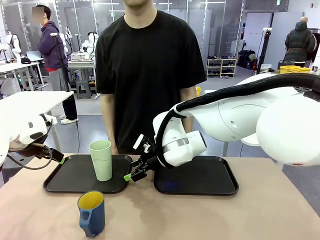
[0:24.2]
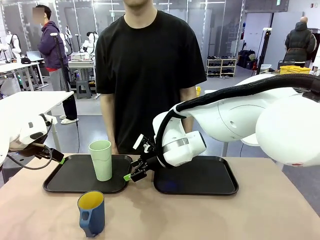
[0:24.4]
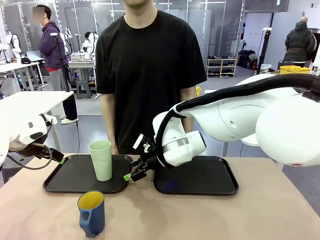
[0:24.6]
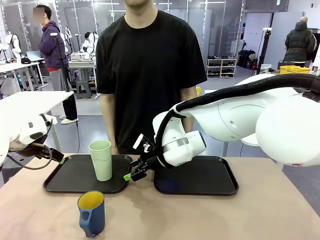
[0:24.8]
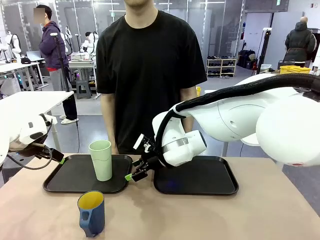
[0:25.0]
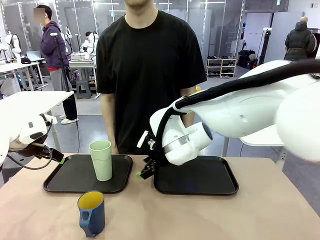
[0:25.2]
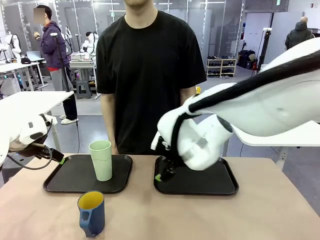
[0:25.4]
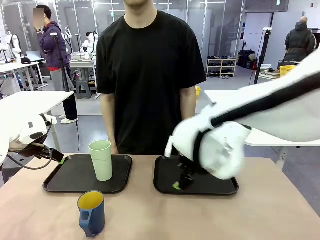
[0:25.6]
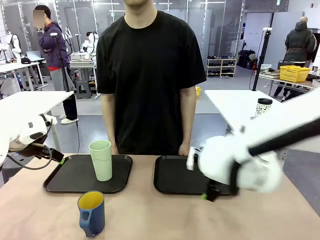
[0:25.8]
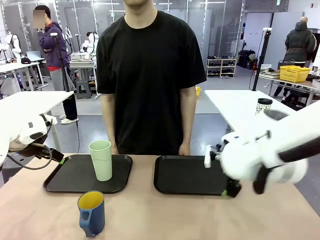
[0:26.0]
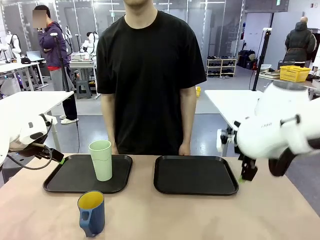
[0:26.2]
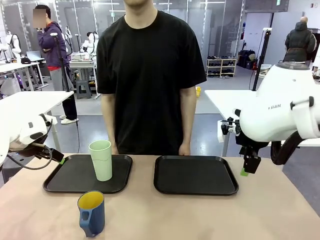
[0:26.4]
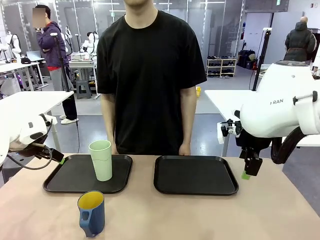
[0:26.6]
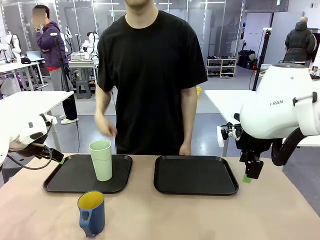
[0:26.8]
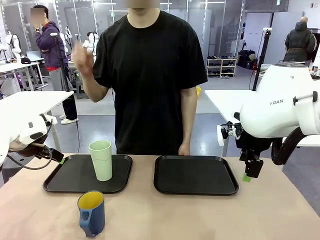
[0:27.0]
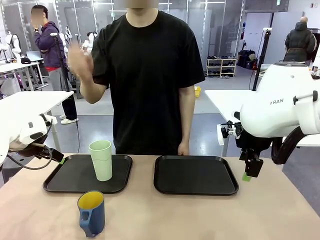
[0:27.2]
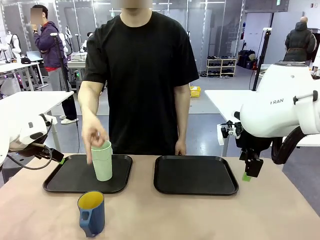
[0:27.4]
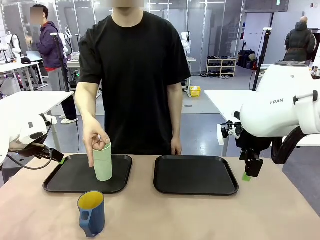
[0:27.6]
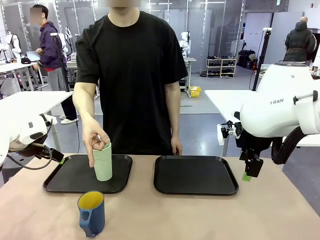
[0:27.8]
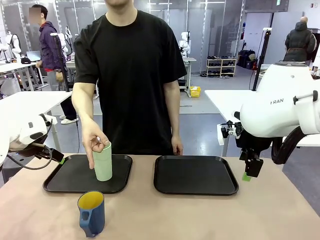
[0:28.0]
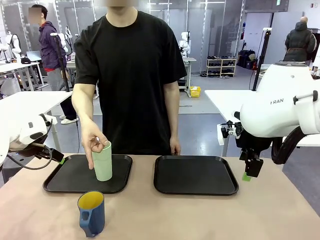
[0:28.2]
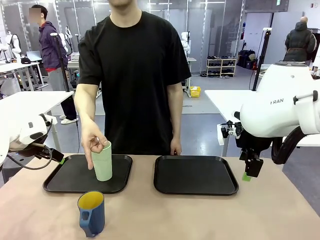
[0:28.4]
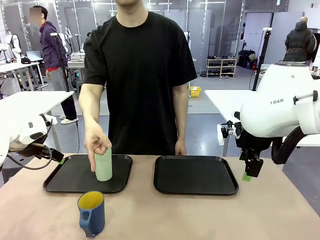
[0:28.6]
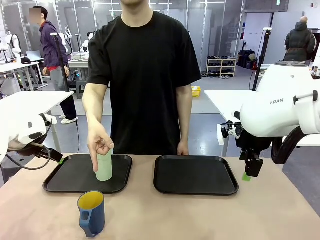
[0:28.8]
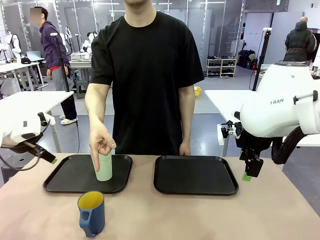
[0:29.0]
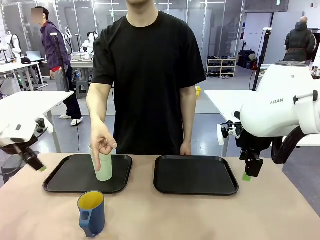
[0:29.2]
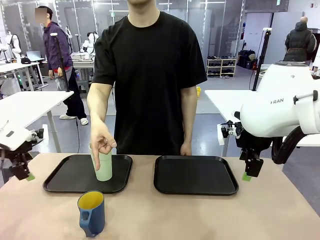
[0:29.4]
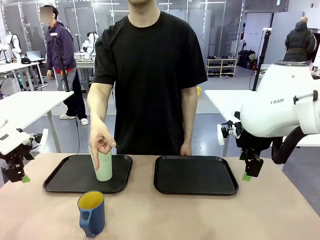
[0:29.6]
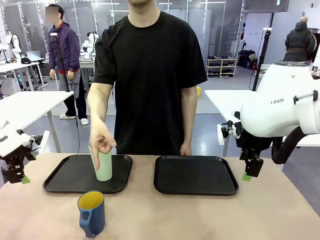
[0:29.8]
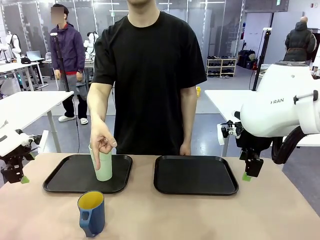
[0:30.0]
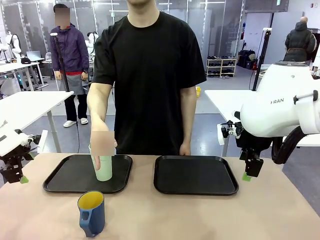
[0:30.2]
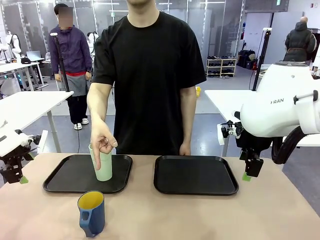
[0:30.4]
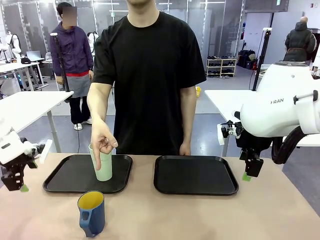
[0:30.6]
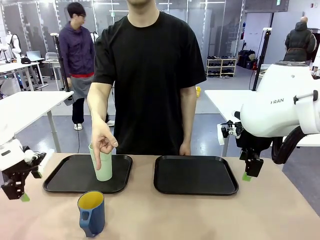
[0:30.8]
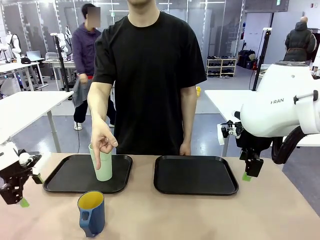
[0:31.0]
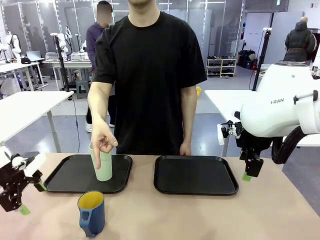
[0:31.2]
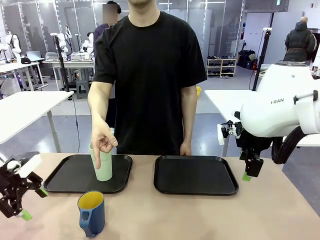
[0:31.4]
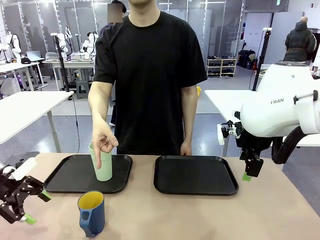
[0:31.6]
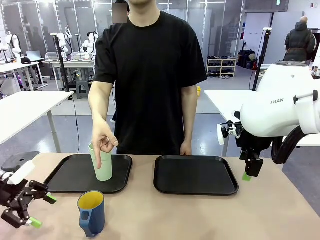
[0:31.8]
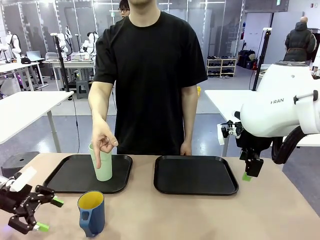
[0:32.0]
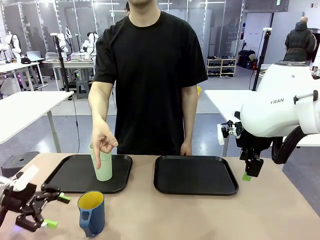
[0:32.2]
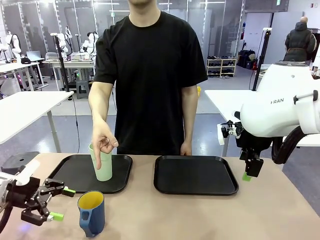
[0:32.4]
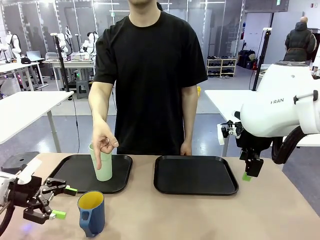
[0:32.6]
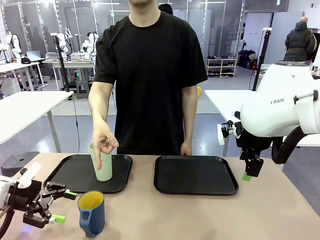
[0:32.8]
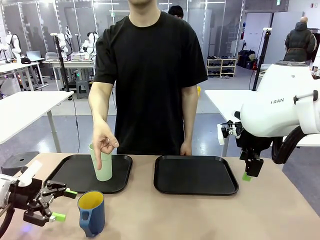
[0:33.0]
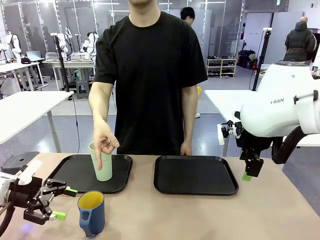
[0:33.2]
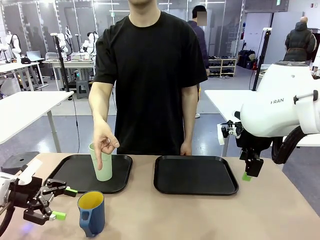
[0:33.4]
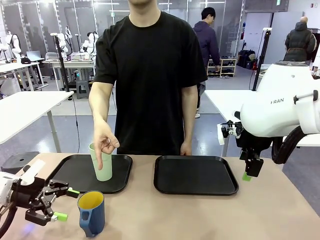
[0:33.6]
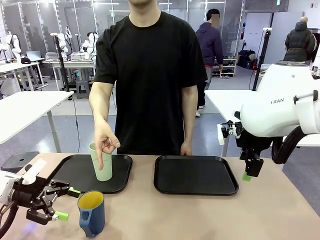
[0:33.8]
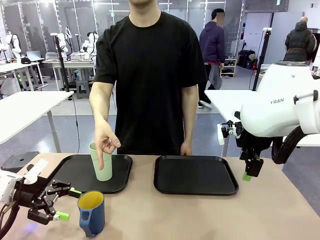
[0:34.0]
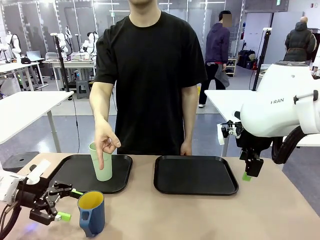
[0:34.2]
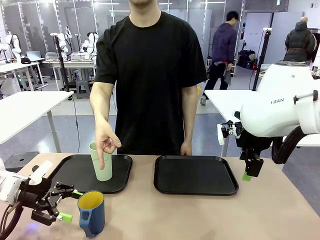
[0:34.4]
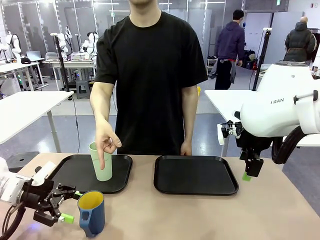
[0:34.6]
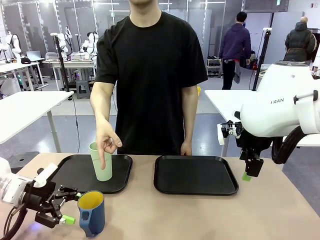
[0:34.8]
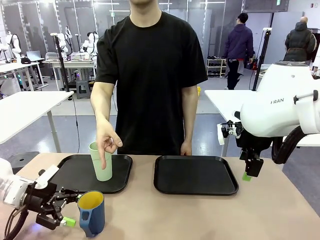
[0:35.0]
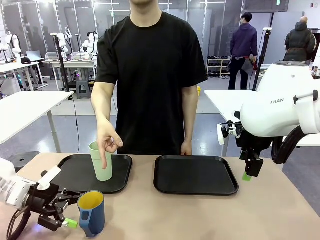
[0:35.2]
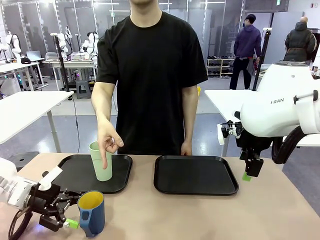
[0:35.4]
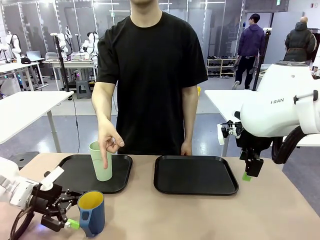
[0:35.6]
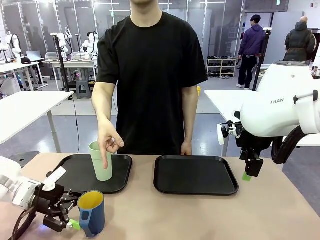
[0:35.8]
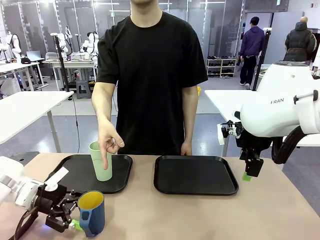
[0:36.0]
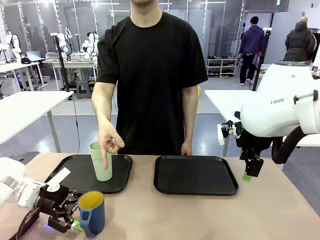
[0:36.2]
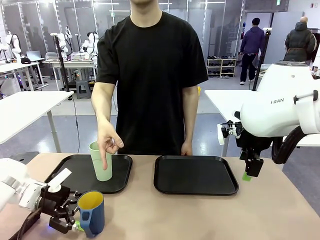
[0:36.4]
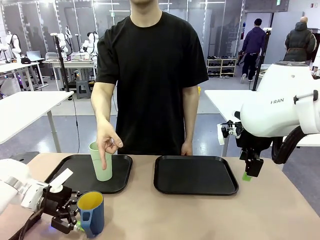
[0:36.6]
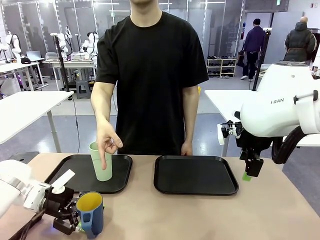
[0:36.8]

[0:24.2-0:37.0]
Task: Sort and store the cups by type.
Robot: Pick up the Handle plastic cup and place it into the empty Flat Tray.

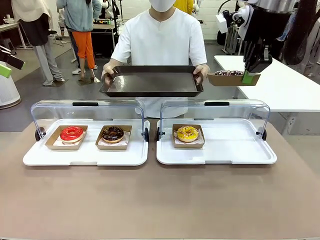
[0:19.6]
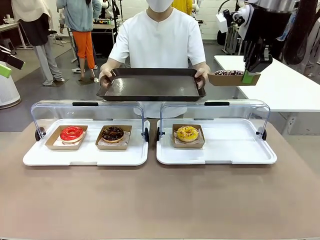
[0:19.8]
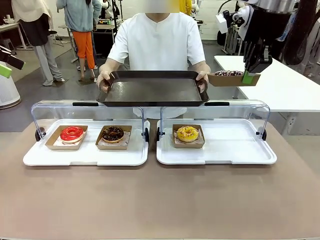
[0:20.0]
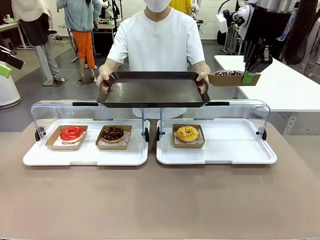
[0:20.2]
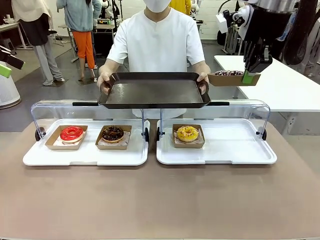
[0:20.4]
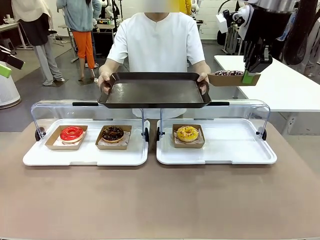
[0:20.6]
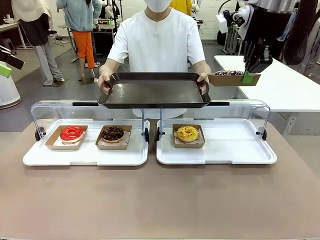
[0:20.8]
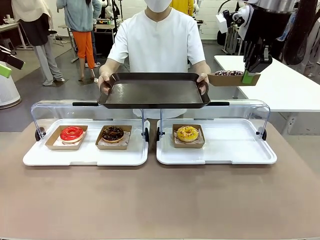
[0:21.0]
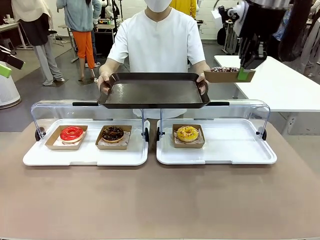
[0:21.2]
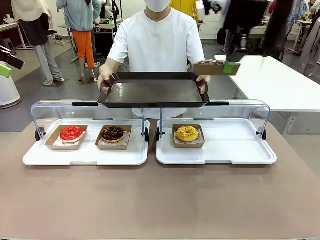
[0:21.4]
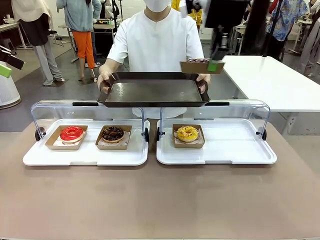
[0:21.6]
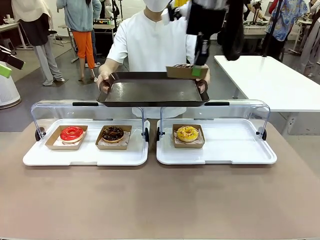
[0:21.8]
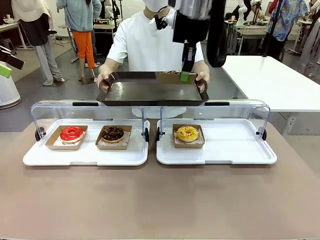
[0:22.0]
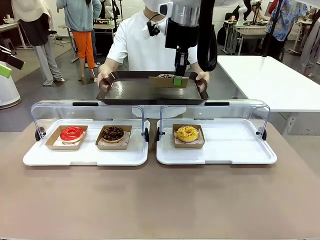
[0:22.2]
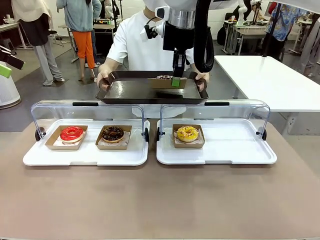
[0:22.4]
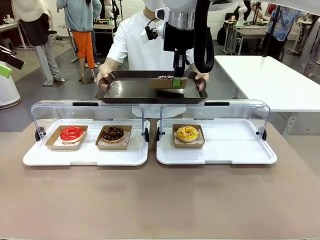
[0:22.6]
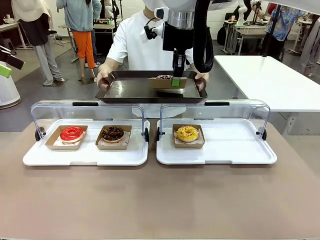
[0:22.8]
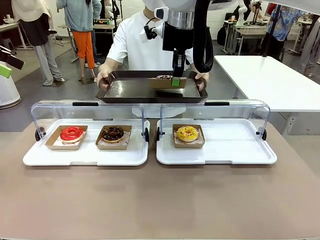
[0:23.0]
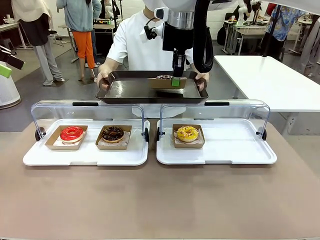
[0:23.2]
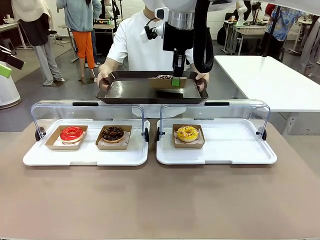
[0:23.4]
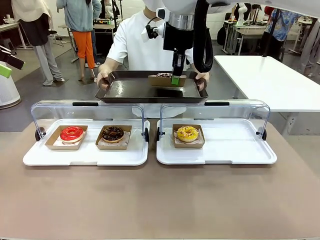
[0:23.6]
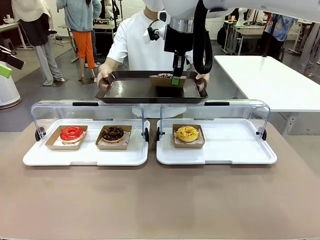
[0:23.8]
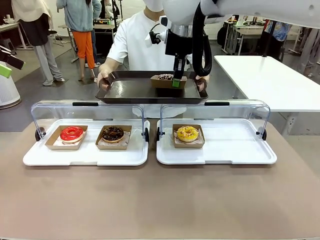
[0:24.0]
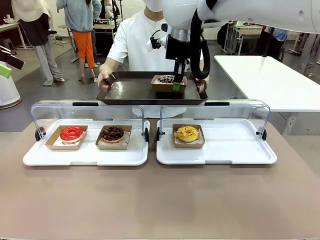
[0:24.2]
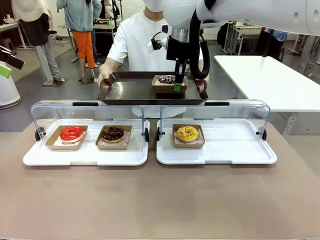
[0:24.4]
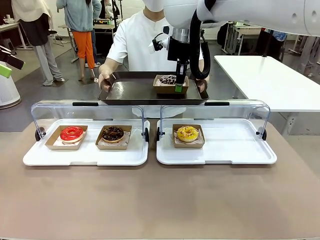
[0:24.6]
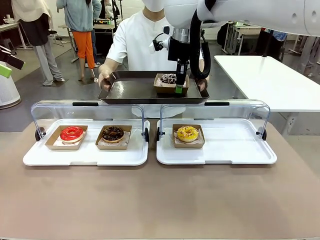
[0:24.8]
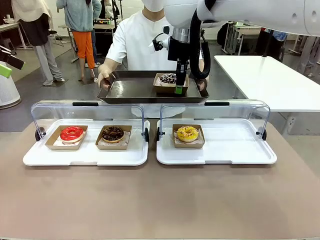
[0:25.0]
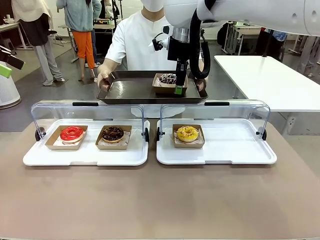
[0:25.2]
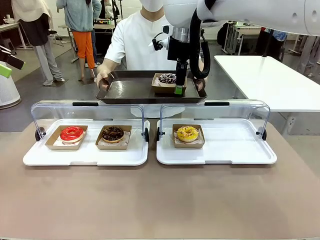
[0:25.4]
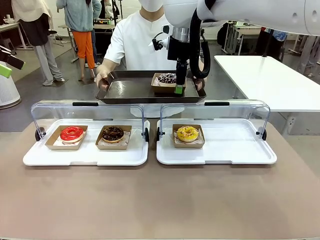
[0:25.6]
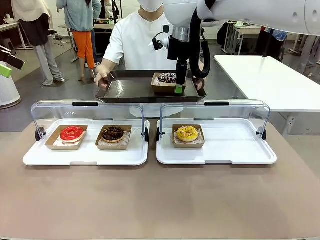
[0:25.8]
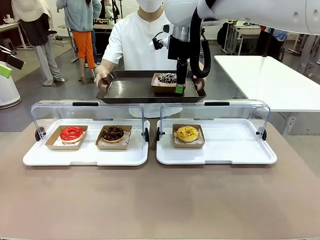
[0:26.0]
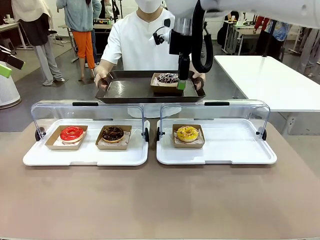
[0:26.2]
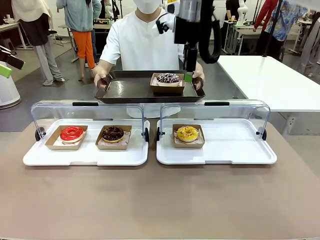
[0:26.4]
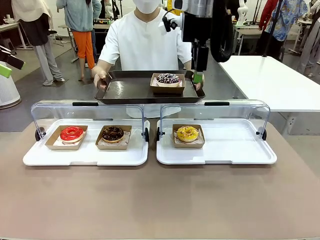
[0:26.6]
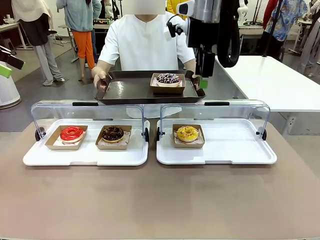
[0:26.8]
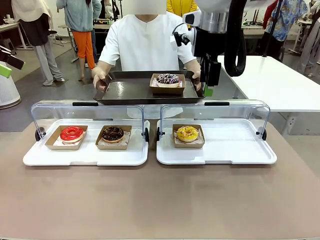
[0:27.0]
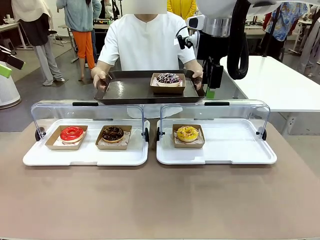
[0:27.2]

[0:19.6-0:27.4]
Task: Provide the desired donut to the person.
Robot: Place the picked Paper togo box onto the Handle tray extended by the person.
